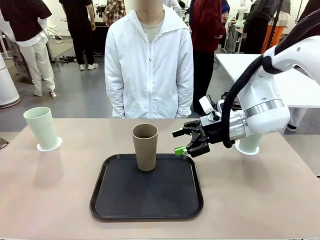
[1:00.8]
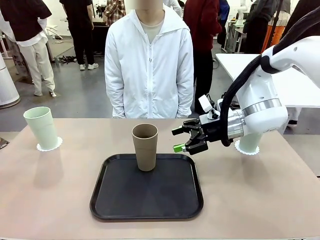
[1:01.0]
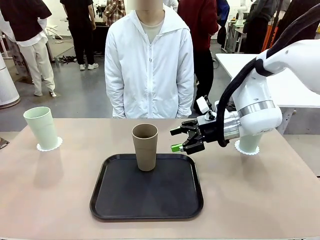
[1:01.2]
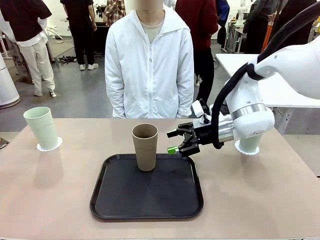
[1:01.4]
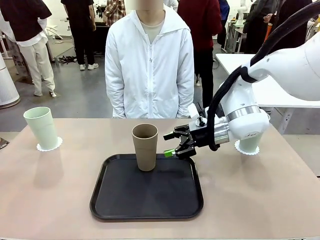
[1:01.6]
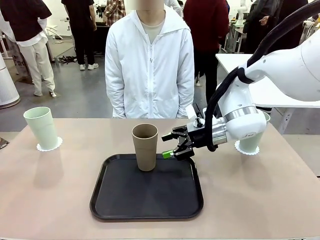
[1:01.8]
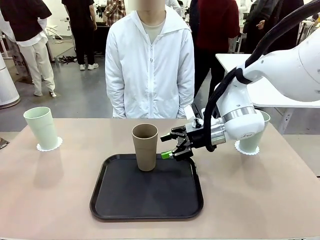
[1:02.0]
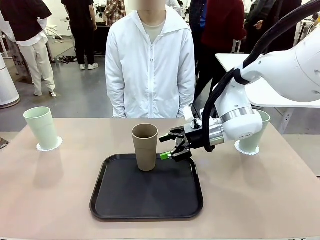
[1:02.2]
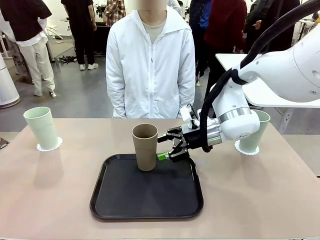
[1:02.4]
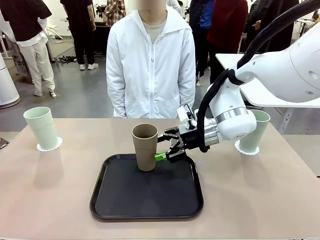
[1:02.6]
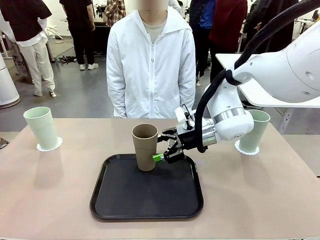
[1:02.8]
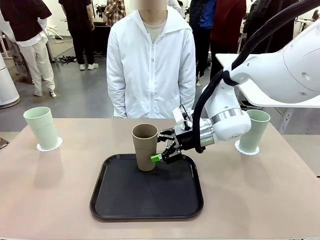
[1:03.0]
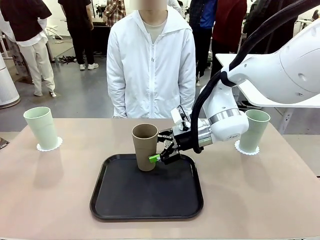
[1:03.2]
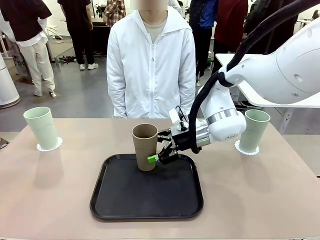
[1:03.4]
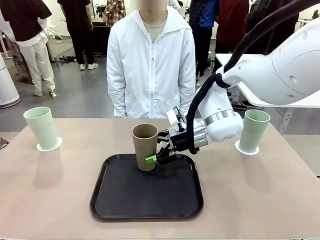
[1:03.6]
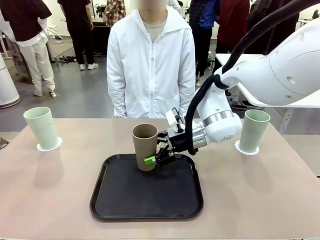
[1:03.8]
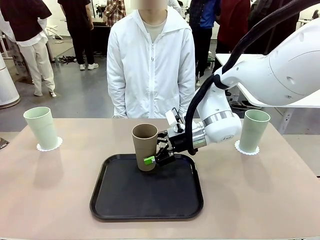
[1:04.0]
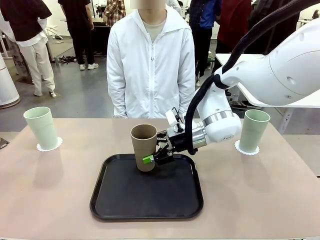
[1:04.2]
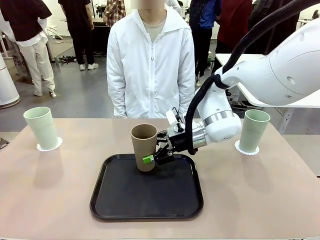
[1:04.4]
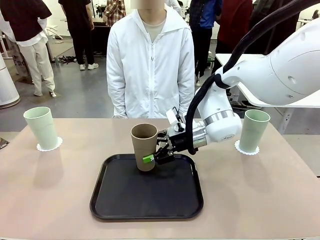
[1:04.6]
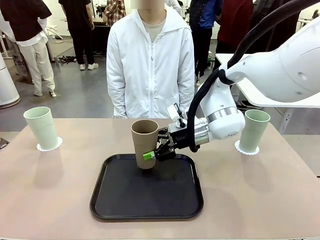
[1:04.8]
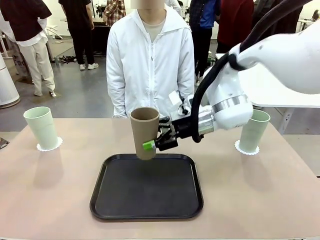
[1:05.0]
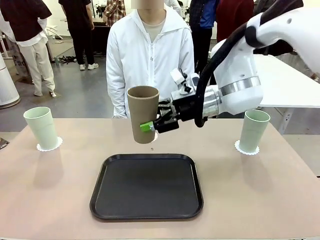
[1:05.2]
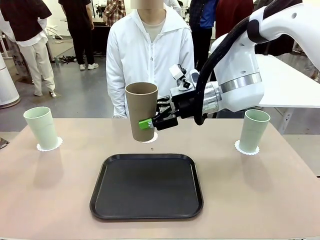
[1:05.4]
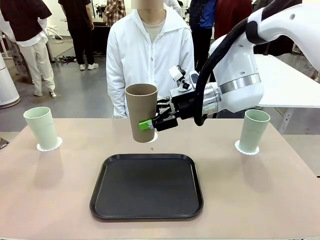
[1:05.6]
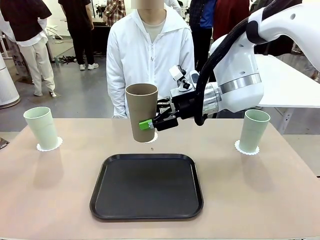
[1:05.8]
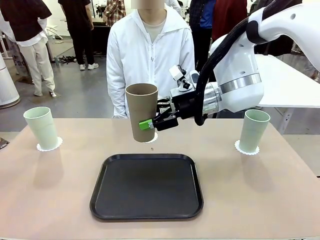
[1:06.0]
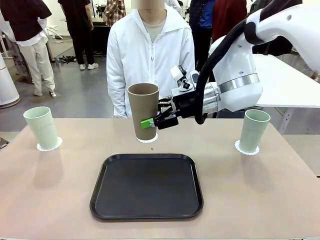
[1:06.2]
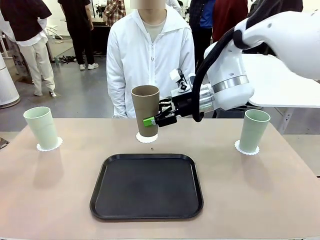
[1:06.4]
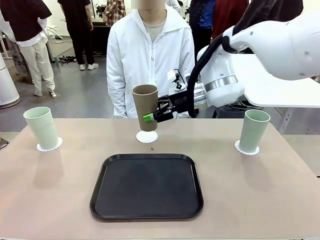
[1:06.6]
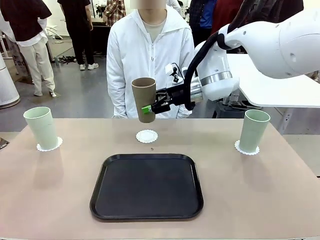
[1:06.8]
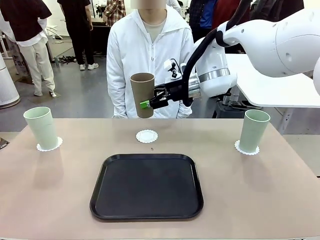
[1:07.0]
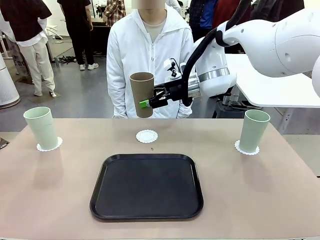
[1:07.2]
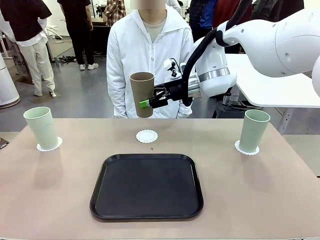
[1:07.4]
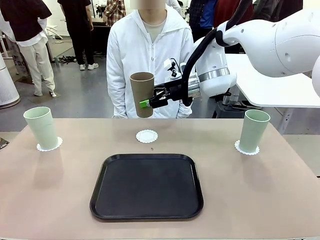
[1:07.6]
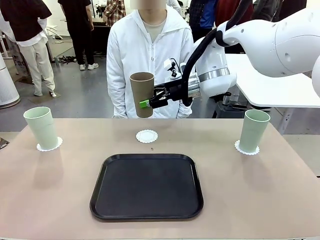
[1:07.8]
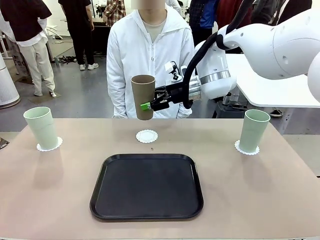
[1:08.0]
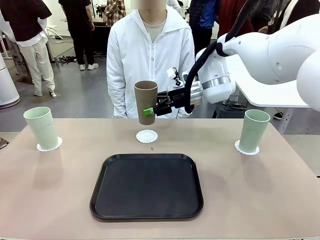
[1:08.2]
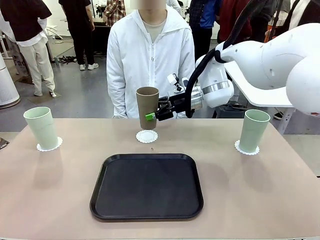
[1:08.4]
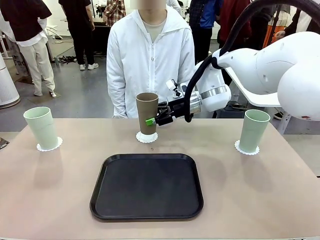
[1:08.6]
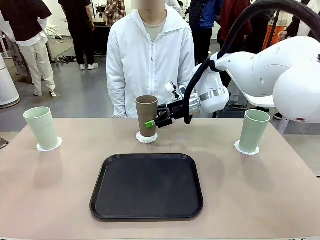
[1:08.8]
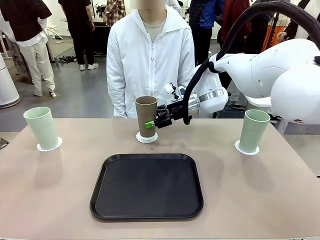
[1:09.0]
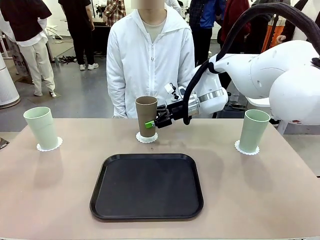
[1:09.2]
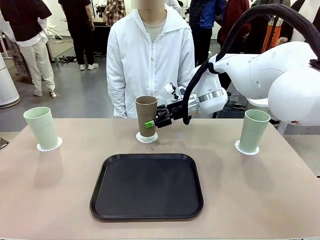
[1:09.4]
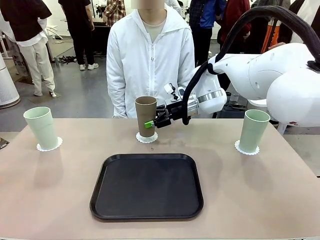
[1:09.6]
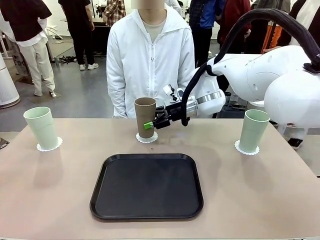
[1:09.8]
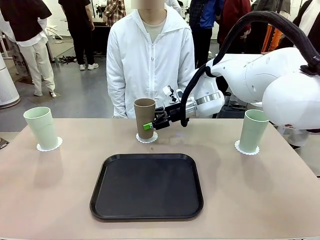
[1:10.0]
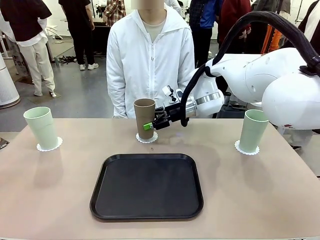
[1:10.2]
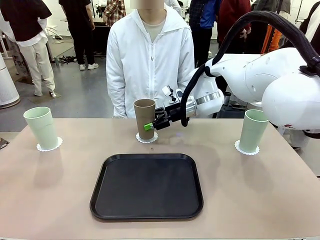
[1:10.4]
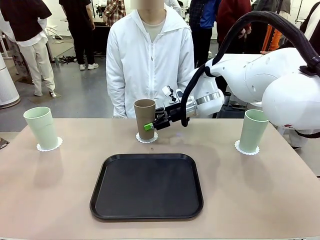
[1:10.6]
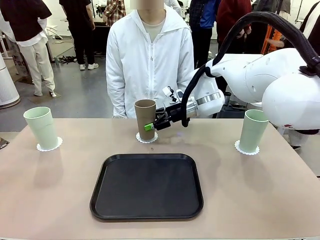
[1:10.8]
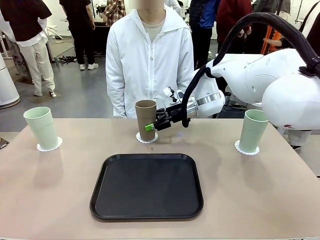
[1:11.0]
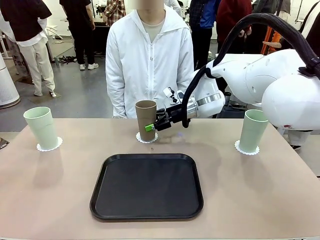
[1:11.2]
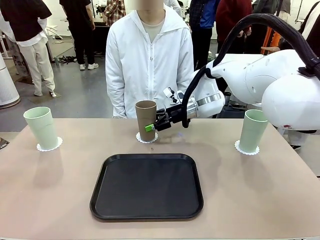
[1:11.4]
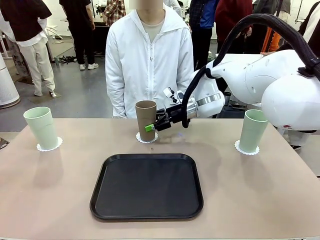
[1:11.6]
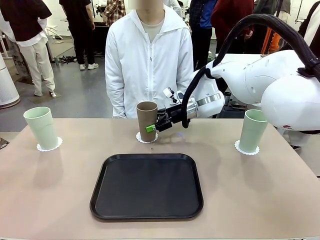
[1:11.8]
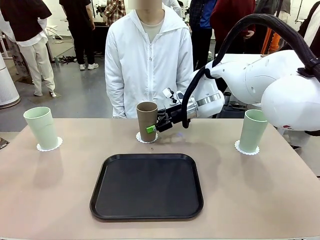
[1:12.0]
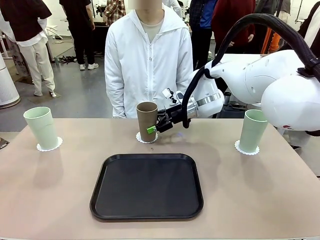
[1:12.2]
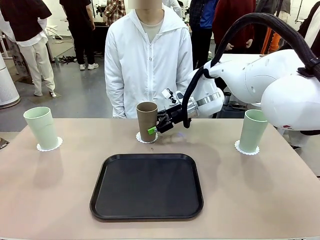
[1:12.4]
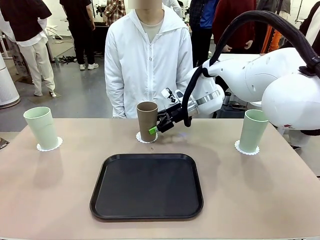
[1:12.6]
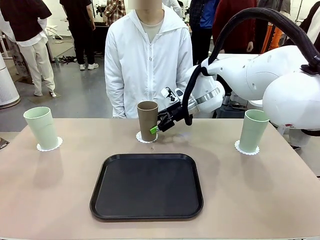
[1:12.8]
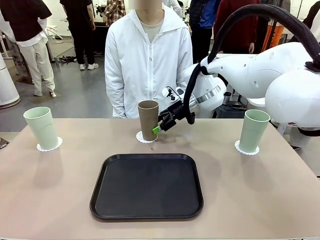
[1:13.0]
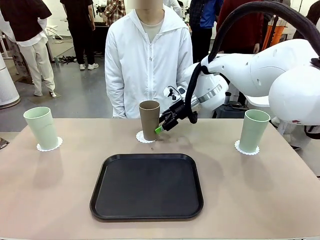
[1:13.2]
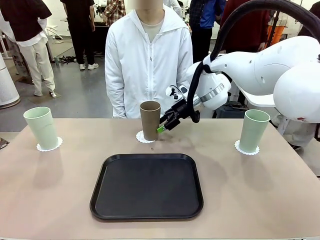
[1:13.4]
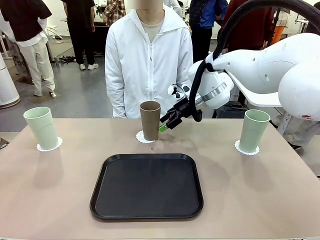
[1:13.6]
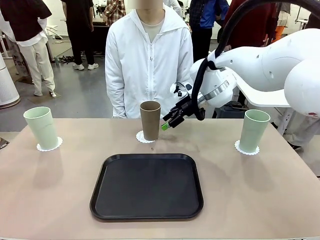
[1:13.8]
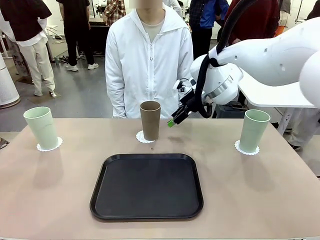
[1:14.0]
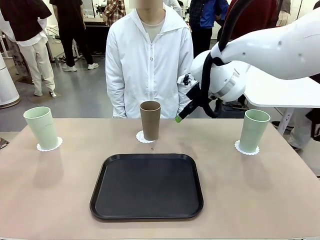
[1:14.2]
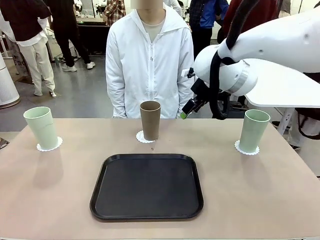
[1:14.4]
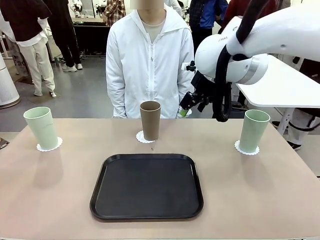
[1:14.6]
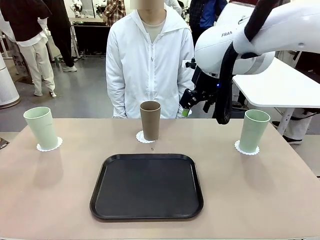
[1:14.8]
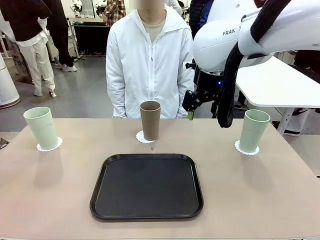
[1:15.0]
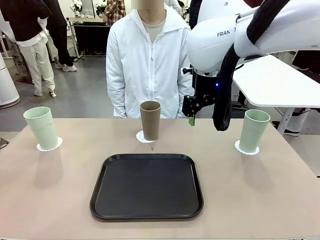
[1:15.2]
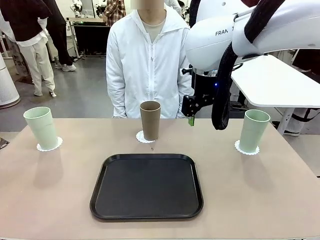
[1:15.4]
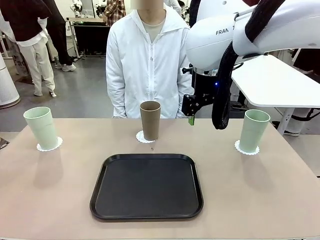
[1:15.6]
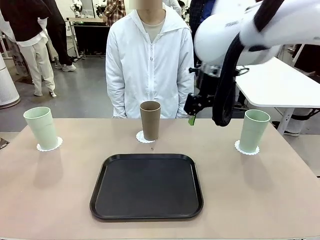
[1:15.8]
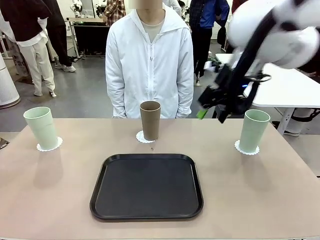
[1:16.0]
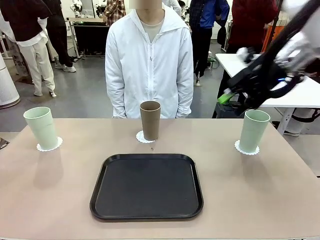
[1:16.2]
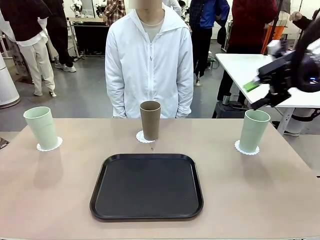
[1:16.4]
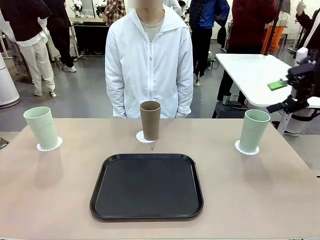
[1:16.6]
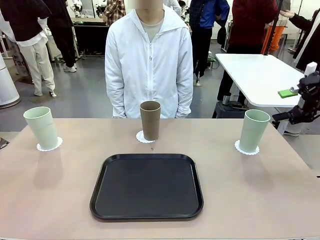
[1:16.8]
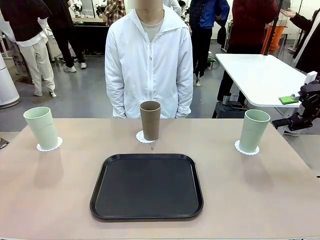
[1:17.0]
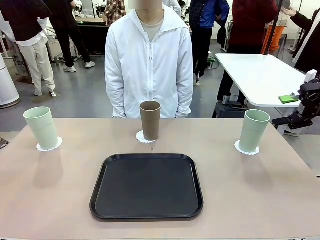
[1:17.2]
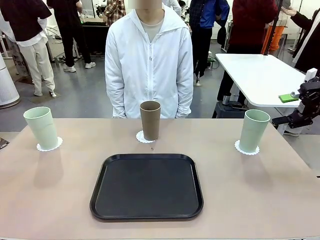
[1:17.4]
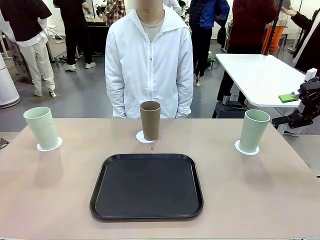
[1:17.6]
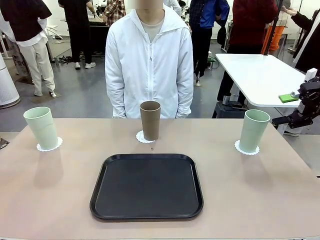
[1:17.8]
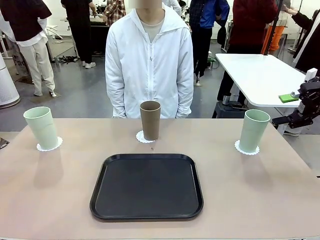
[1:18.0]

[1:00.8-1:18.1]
Task: Place coasters on the table and set cups on them.
Robot: Take one Reusable plastic cup from the Flat Tray and place it on a coaster set by the human.
